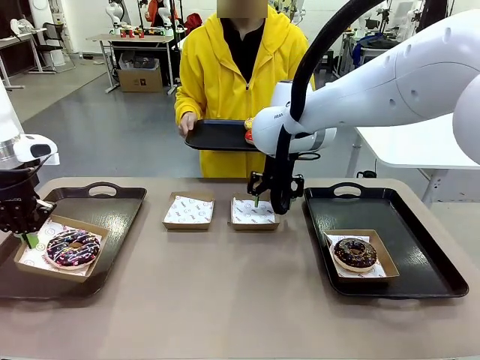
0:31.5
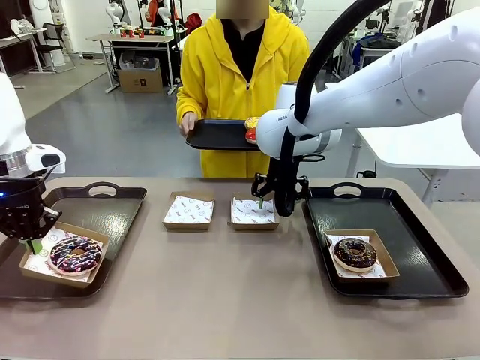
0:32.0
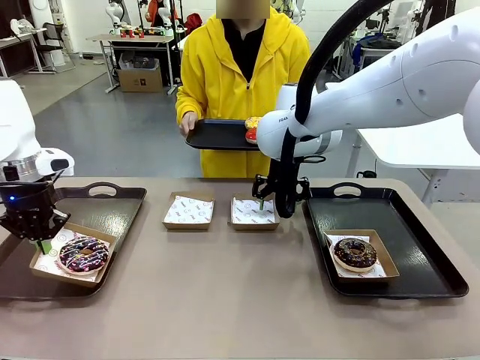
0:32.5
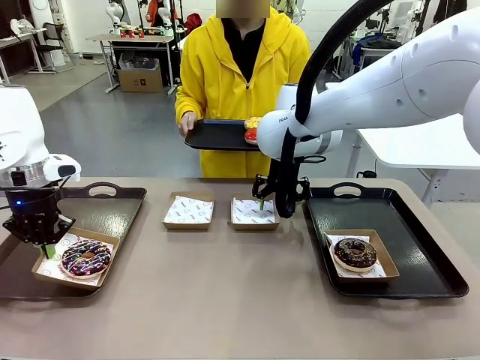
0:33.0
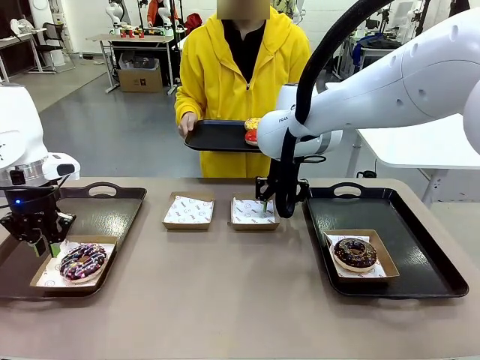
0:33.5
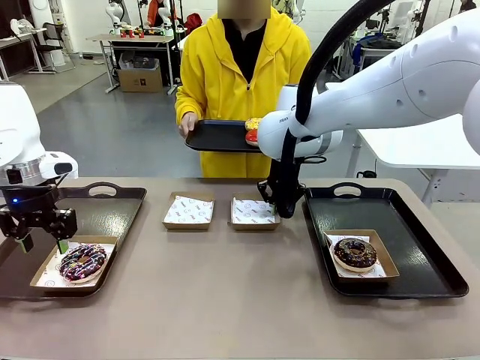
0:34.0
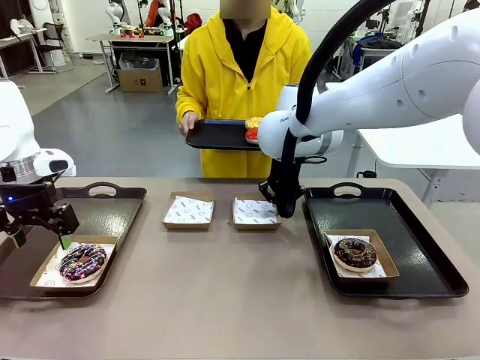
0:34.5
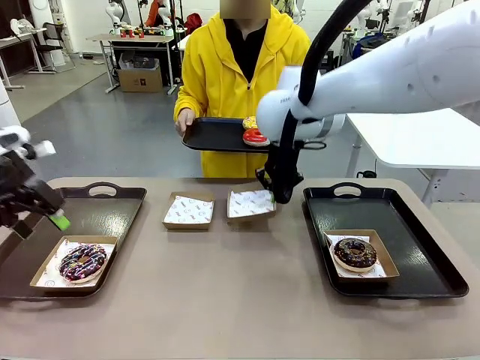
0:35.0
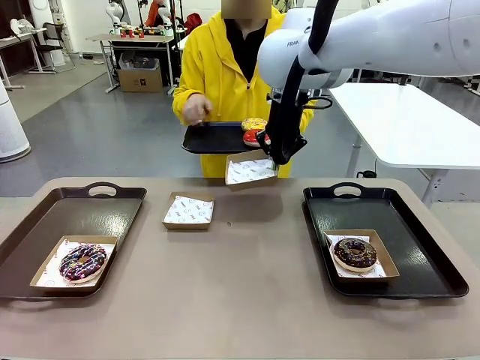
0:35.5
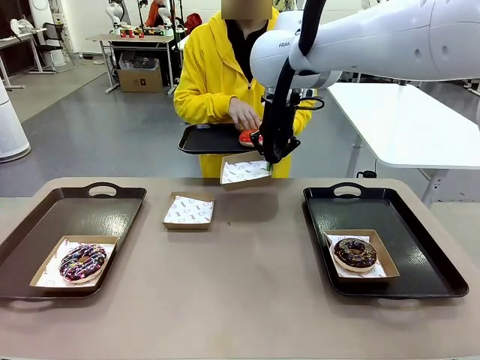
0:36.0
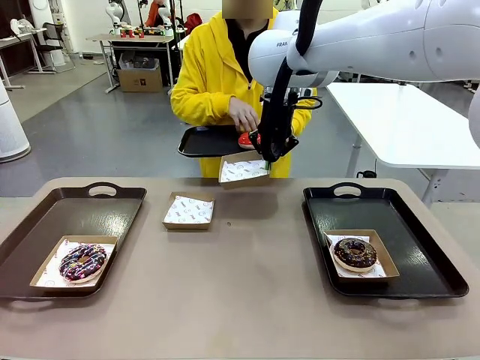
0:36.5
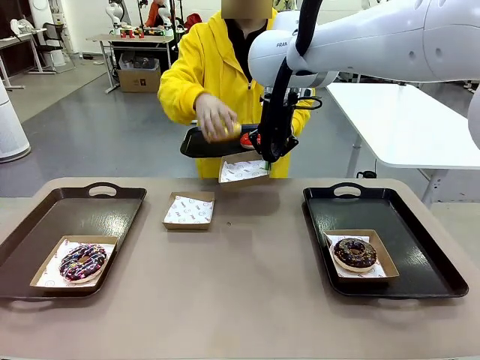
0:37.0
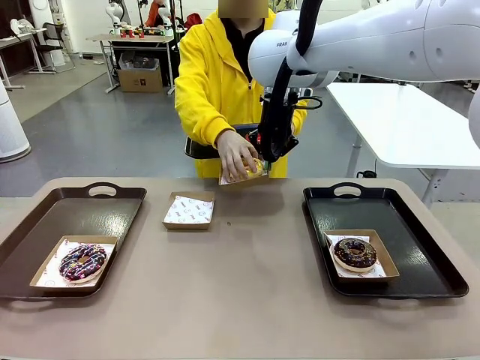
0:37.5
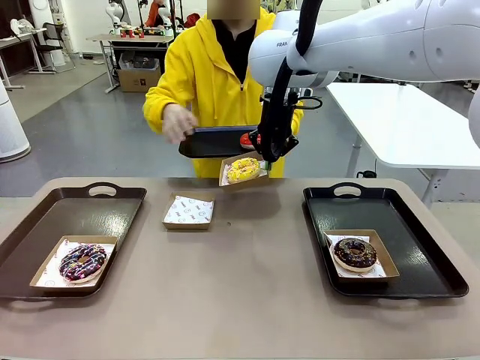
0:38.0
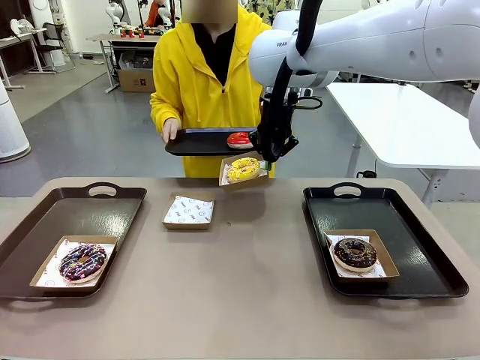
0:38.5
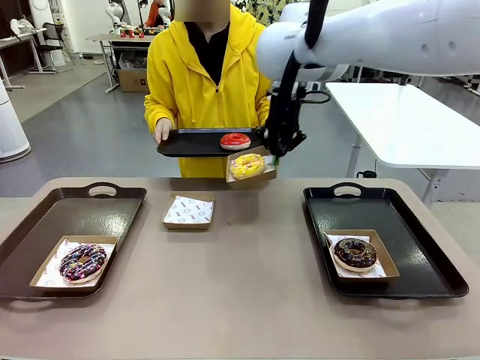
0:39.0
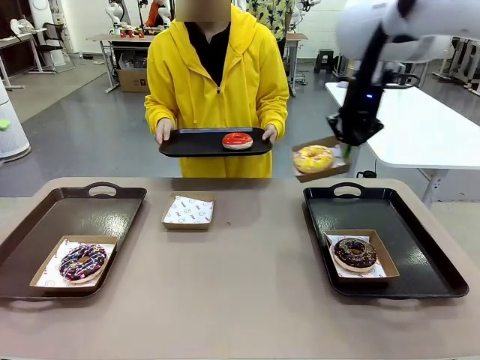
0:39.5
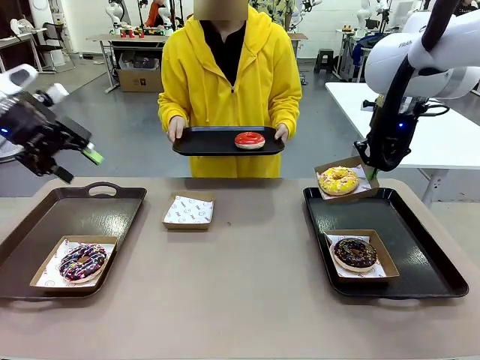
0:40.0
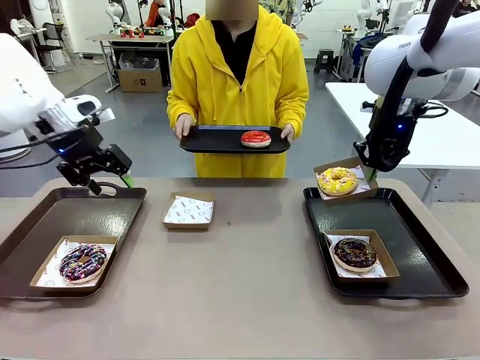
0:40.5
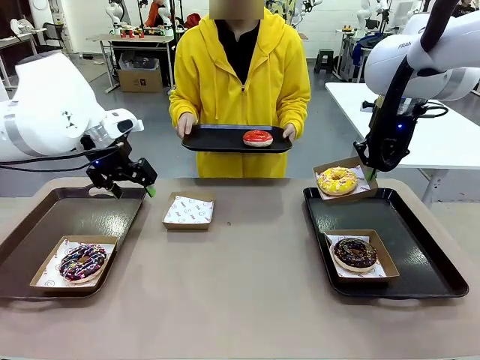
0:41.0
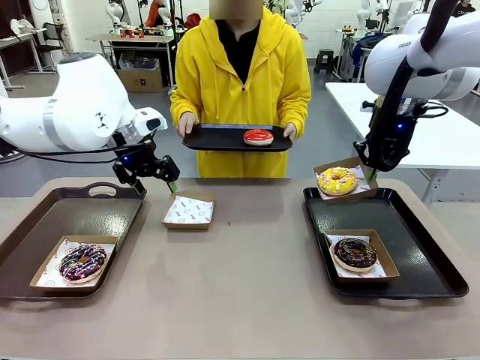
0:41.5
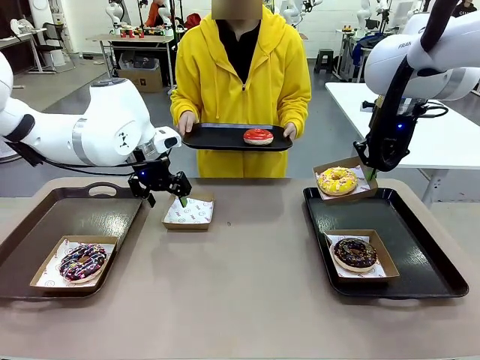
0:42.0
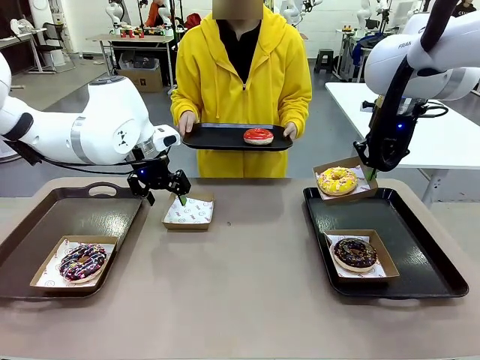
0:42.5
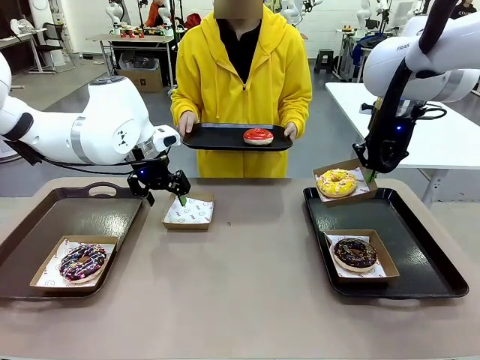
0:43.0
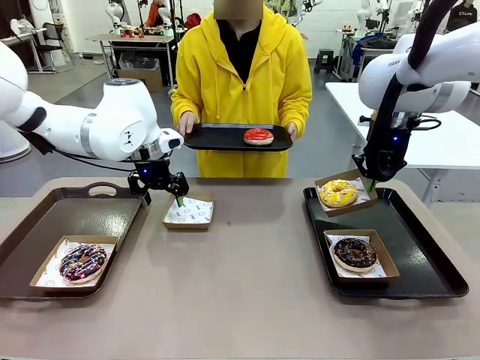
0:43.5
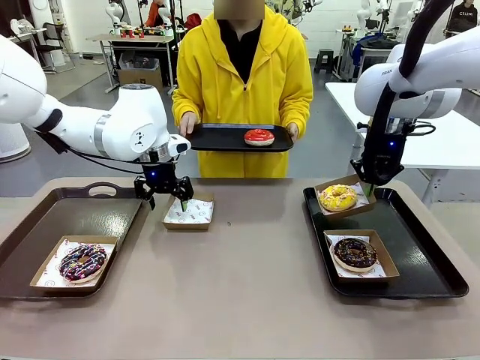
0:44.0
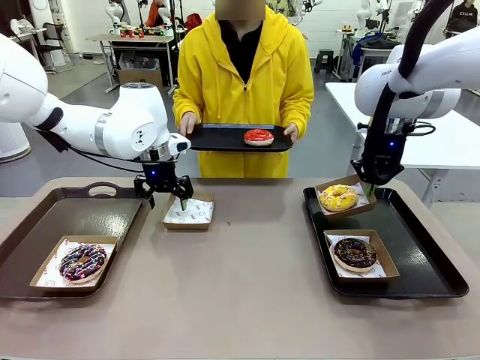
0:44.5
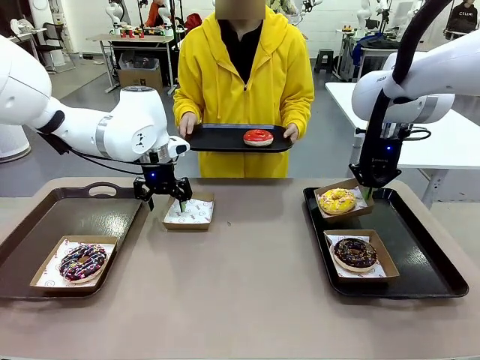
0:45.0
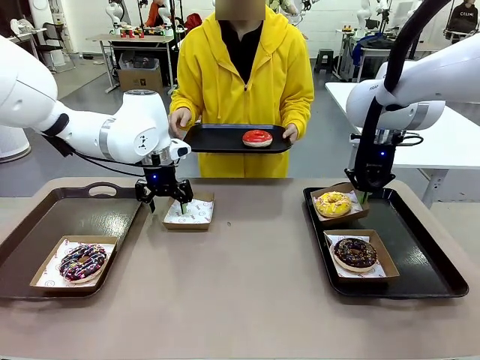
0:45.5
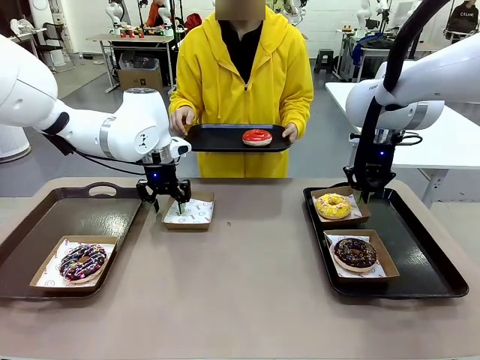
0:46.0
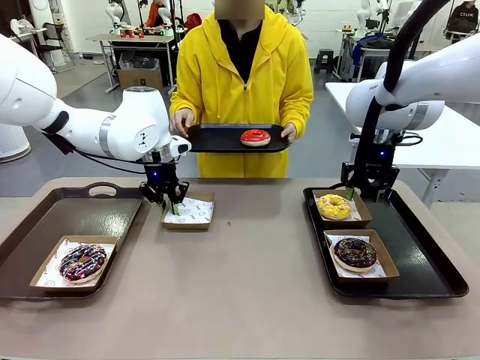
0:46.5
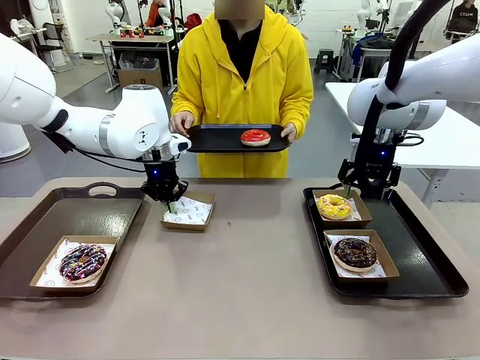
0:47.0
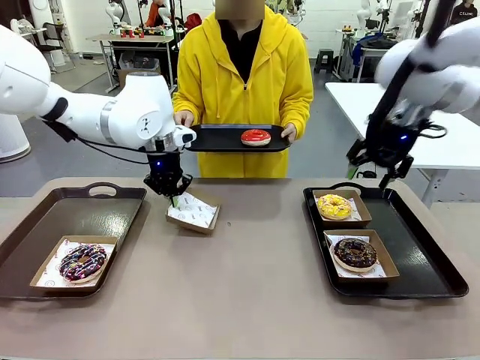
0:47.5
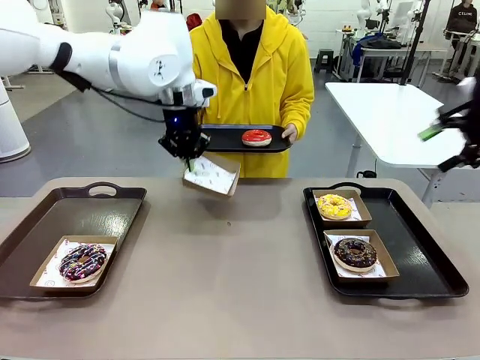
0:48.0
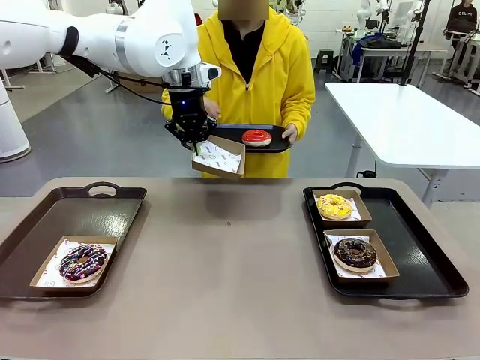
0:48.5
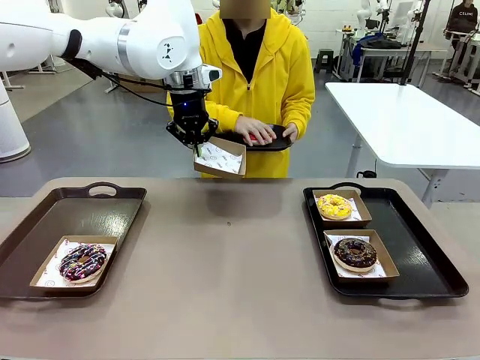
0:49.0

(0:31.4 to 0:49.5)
Task: Individually package the donuts and arrange them on the tray.
Robot: Place the picked Paper togo box on the Handle tray while simultaneously picking up another Paper togo box from the table with the other hand.

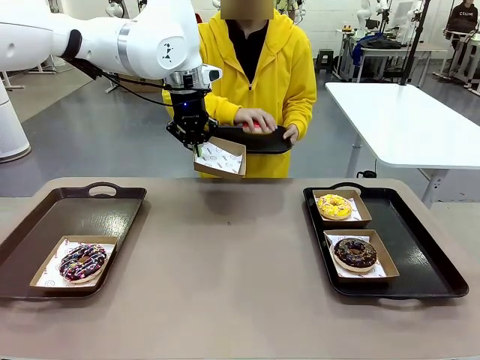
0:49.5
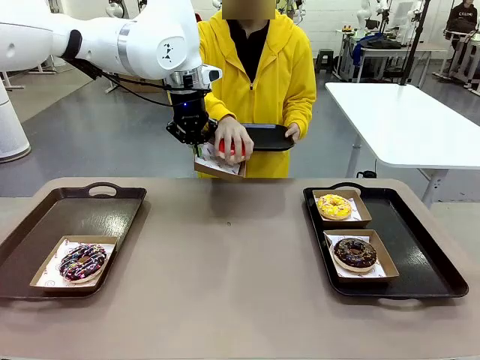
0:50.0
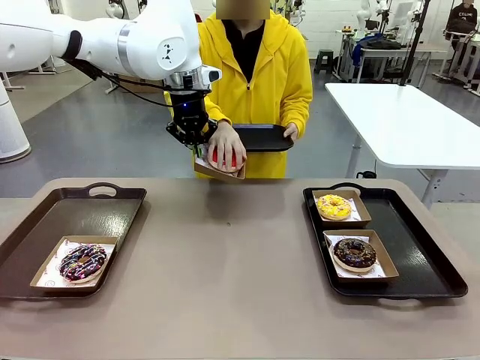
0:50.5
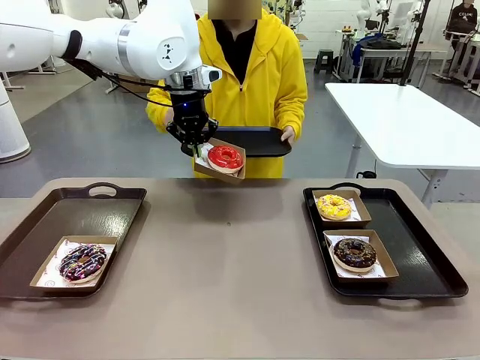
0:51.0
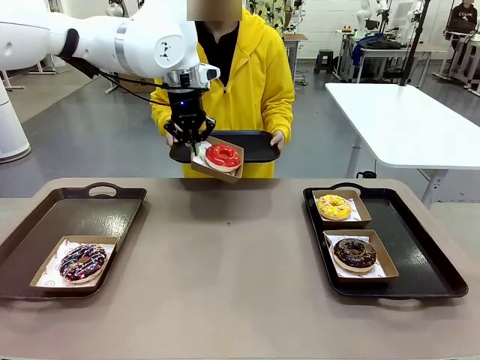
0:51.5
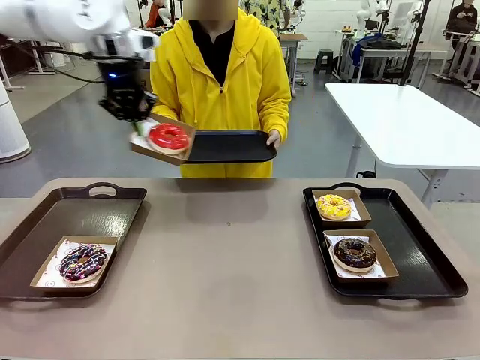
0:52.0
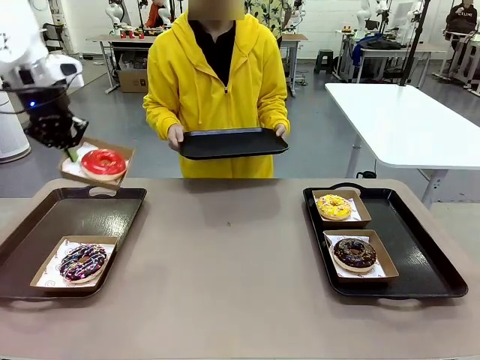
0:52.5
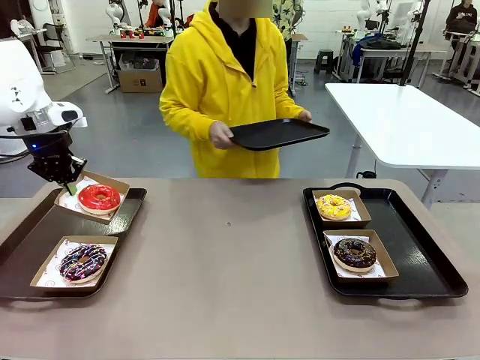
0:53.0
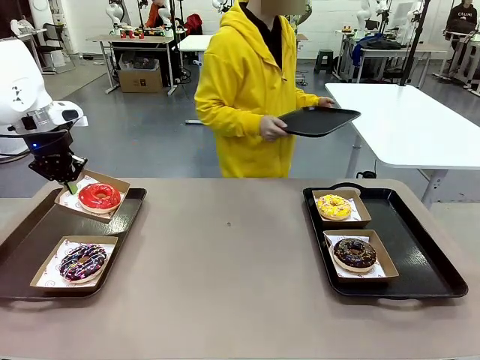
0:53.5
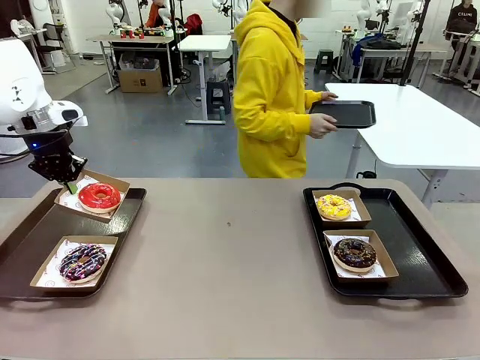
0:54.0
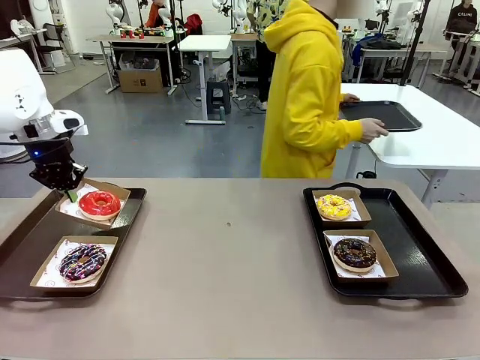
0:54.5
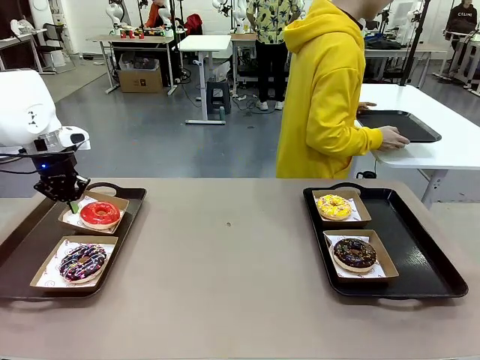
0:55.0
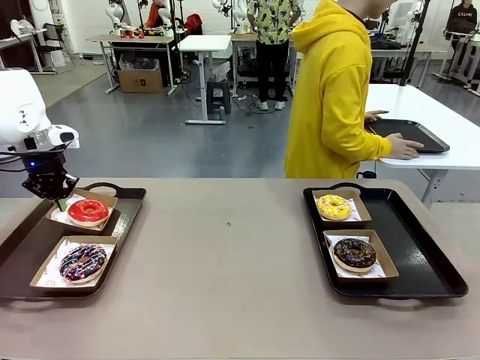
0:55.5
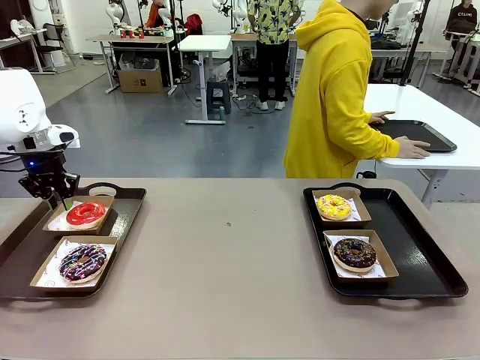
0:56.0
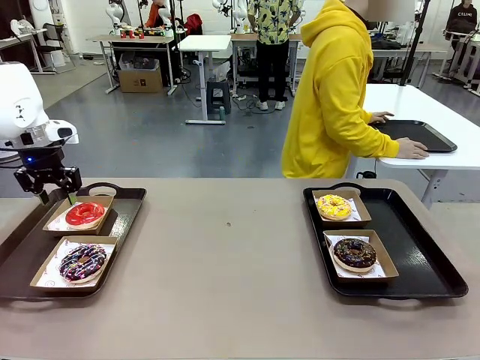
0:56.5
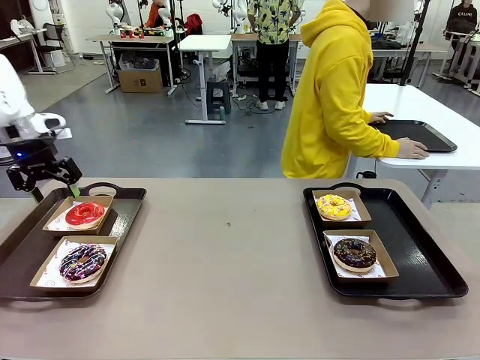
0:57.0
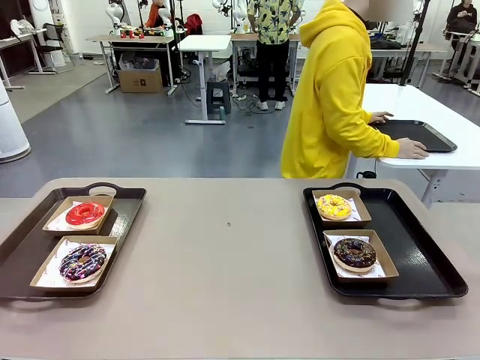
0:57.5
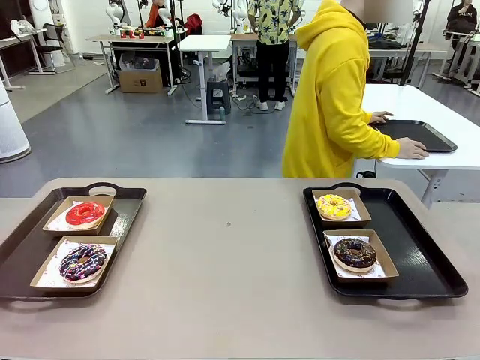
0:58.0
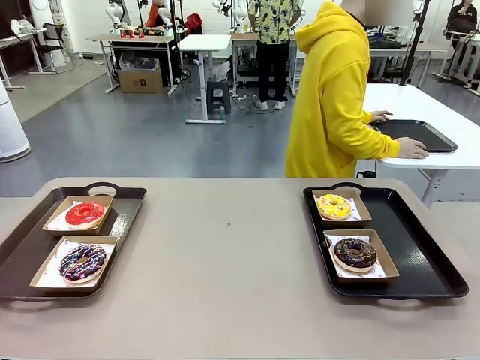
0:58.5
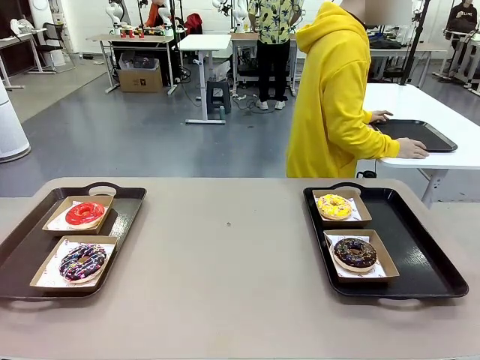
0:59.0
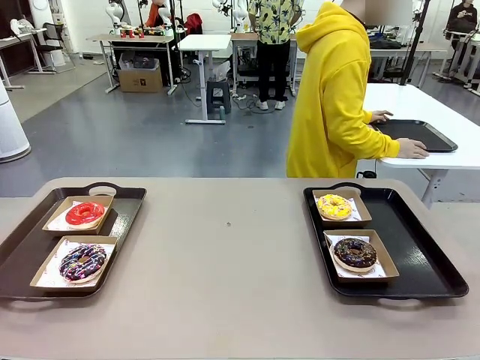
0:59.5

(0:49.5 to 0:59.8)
Robot: Place the picked Paper togo box on the Handle tray.
Person: Place the tray down in the middle of the human table.
